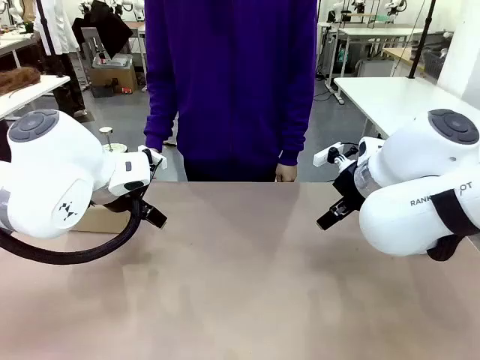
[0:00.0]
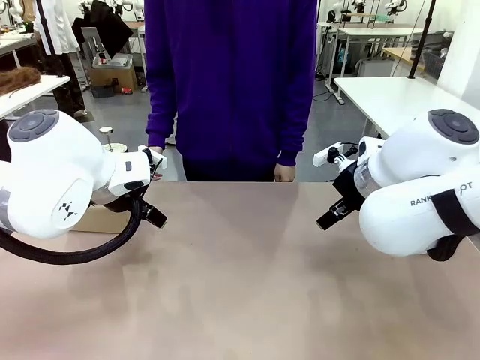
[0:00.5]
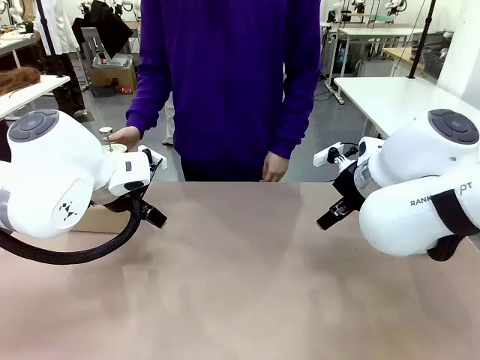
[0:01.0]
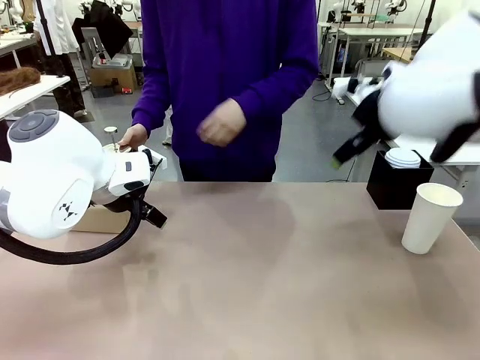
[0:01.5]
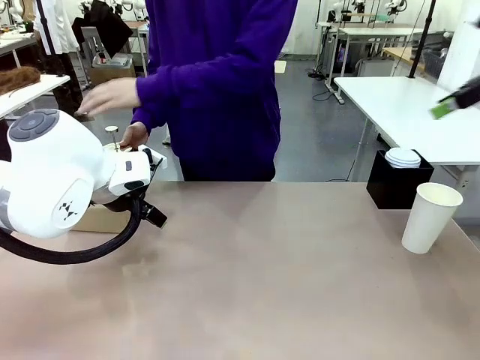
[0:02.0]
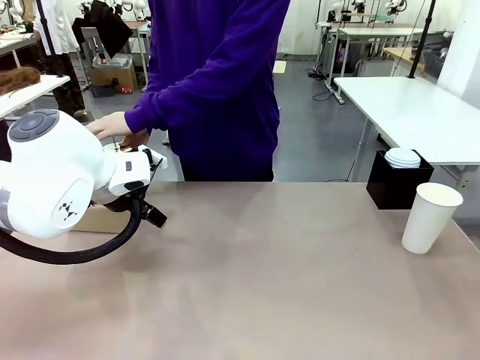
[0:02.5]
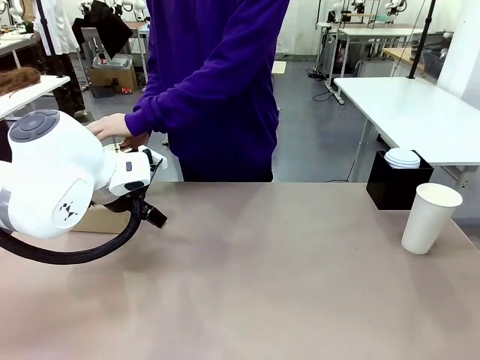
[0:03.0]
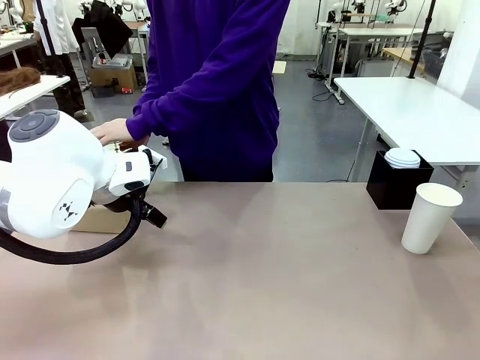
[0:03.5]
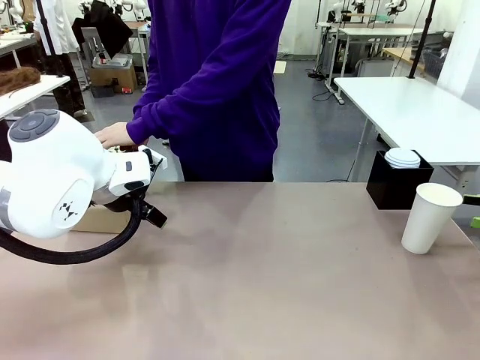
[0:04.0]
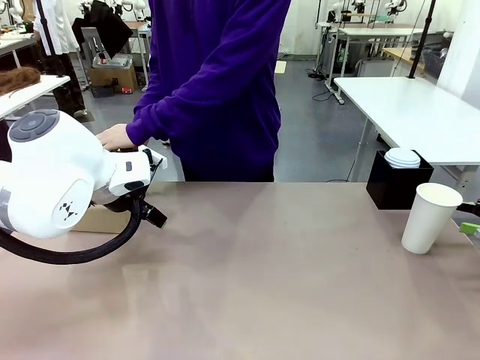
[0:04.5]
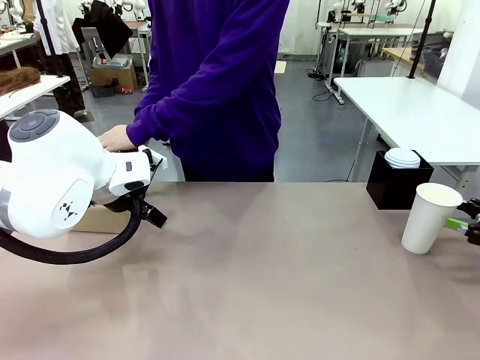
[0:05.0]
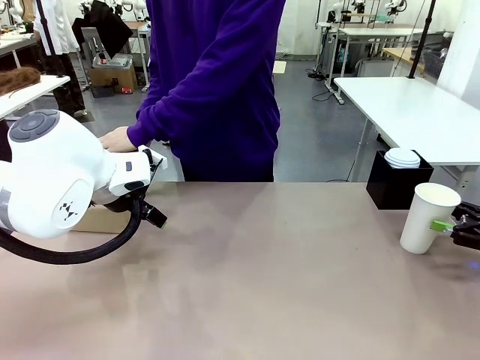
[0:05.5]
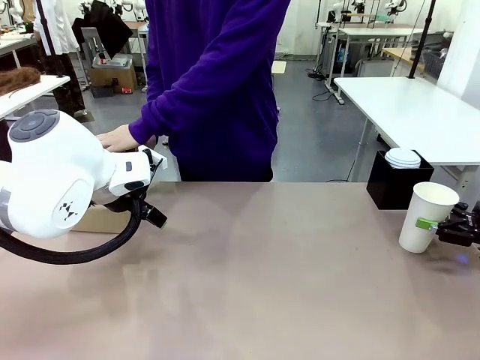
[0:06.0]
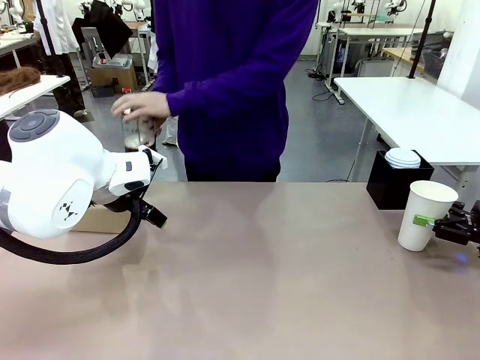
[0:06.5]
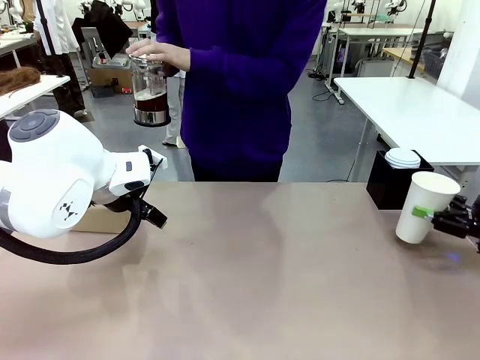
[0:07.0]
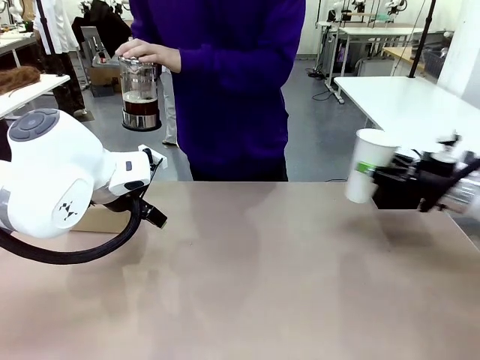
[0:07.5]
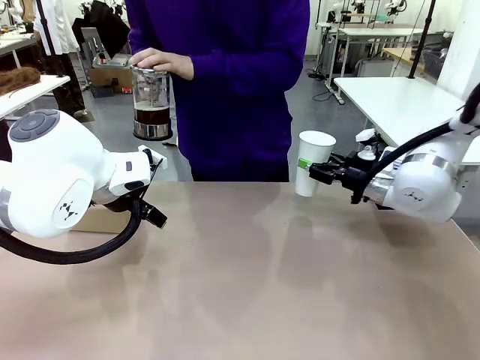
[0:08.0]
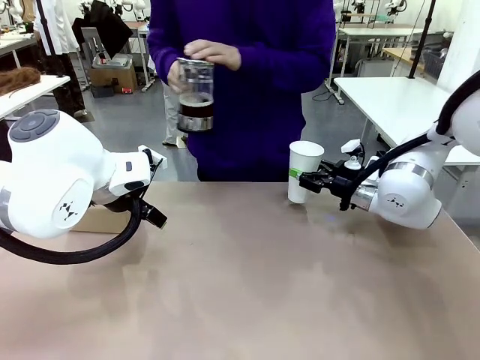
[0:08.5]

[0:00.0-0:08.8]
Task: Pour a drink into a cup and package it in a carrier.
Robot: Pick up the 600 ml Paper Cup and place it in the middle top area of the table.
Person: Press and pick up the Filter Brewing.

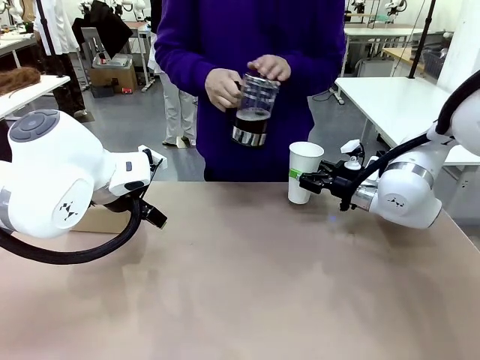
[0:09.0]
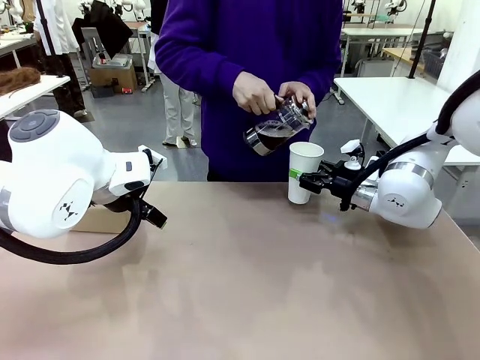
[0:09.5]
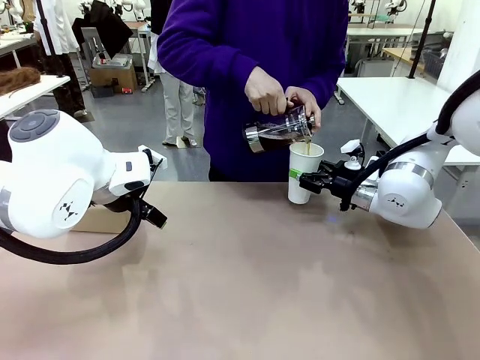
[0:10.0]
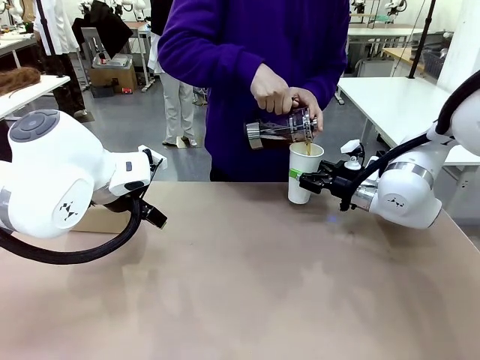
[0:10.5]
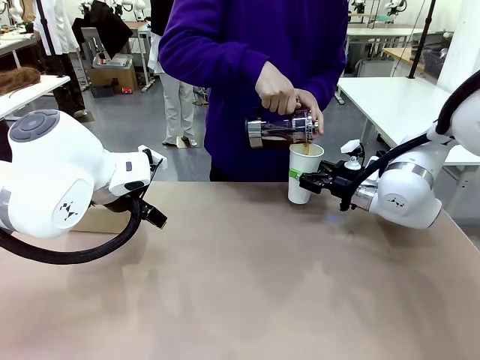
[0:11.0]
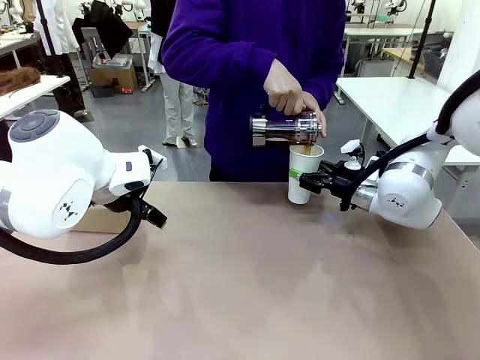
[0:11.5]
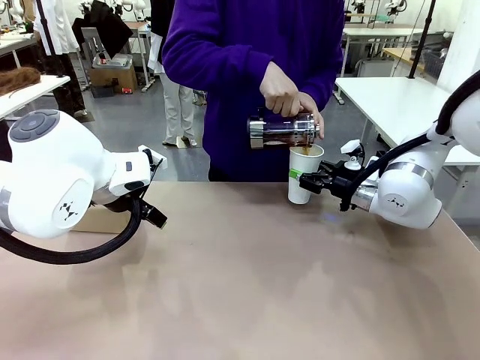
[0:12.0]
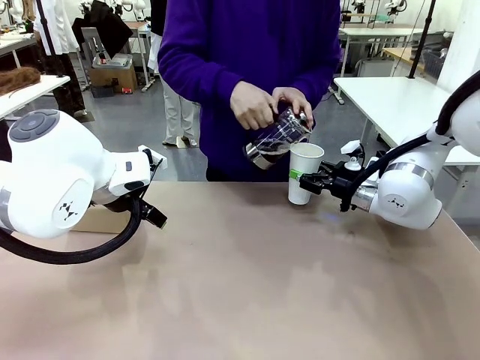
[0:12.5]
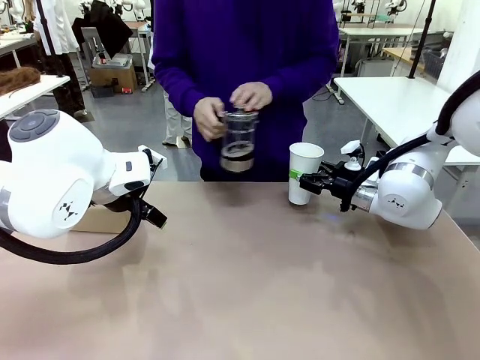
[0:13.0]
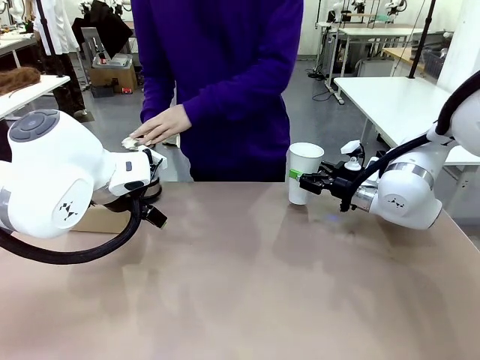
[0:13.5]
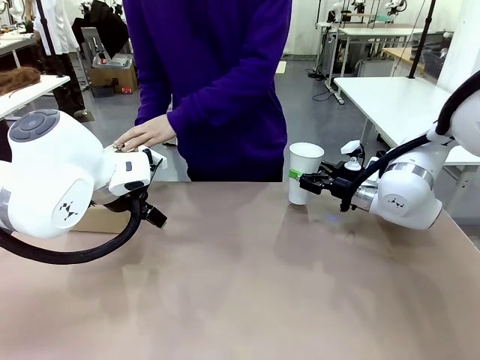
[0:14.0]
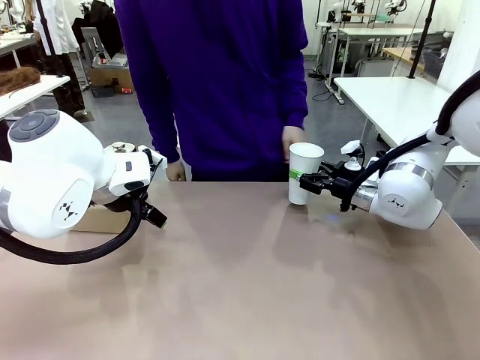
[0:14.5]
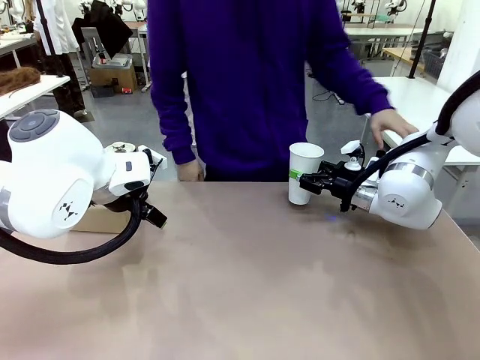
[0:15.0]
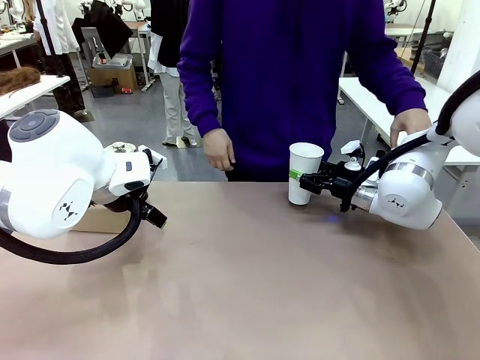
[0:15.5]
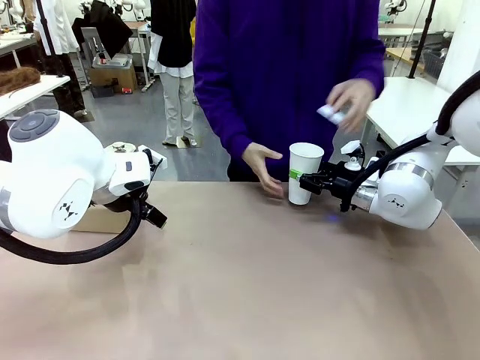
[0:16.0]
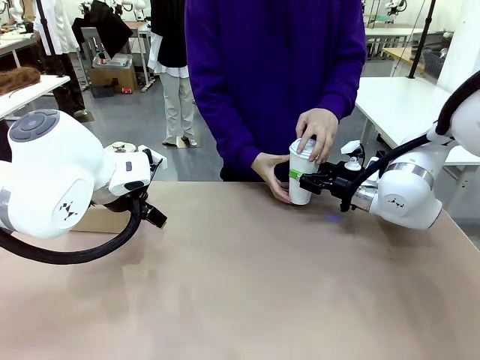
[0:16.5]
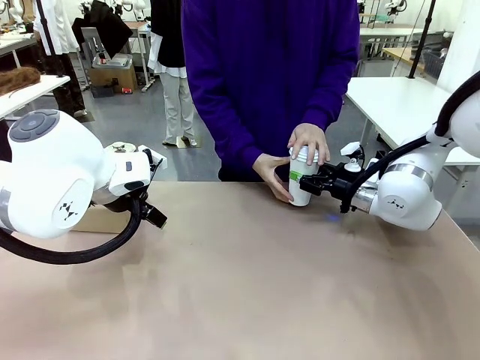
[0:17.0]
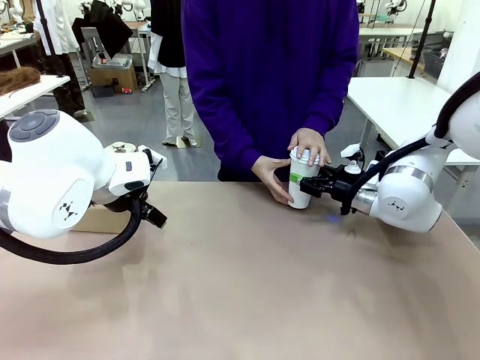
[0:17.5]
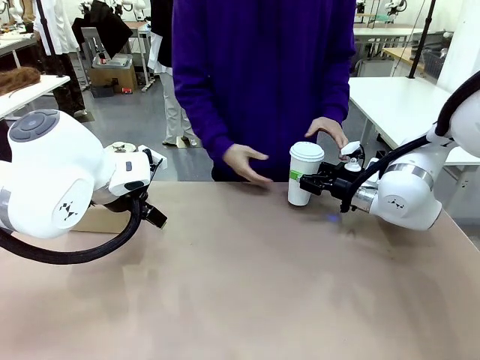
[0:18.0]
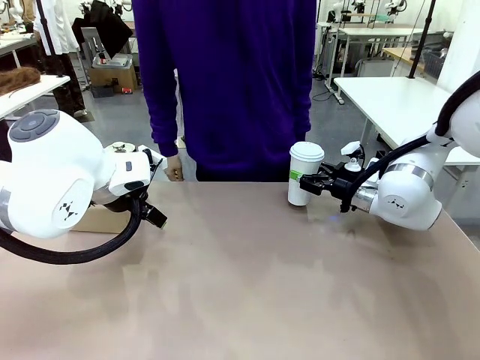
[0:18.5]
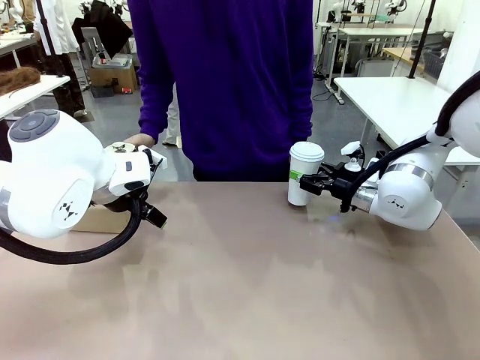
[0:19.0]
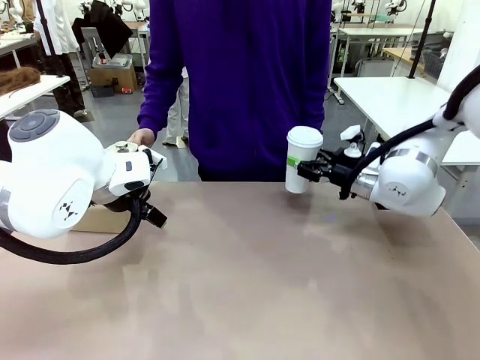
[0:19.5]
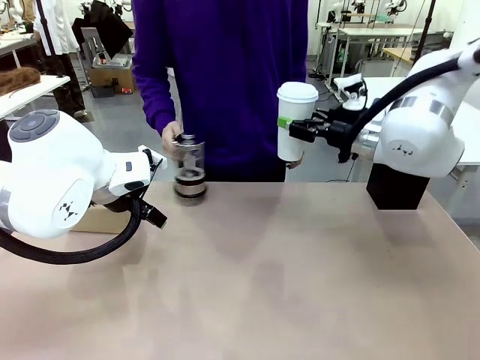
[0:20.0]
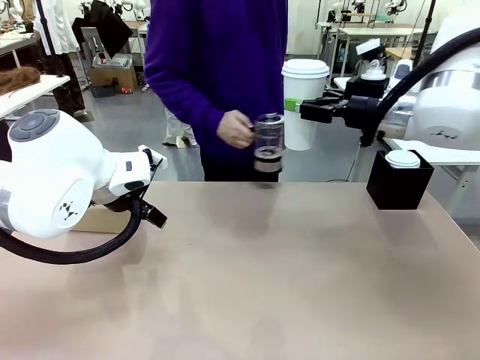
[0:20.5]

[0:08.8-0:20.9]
Robot: When a person places the Paper Cup Lid on the 600 ml Paper Cup , lift the 600 ml Paper Cup.
Person: Pour the drink from the Filter Brewing into the 600 ml Paper Cup. Place a Paper Cup Lid on the 600 ml Paper Cup.

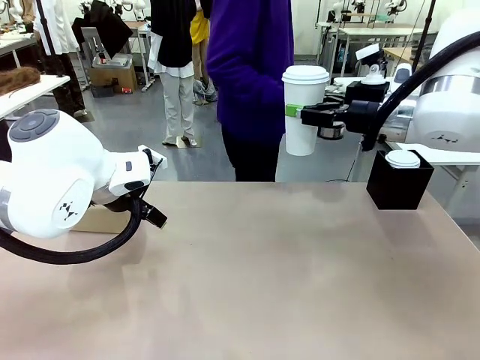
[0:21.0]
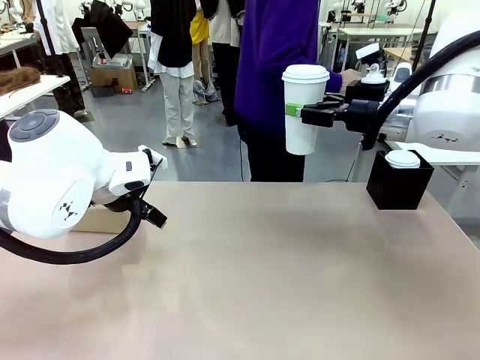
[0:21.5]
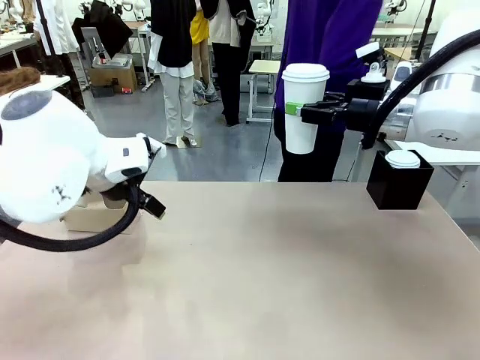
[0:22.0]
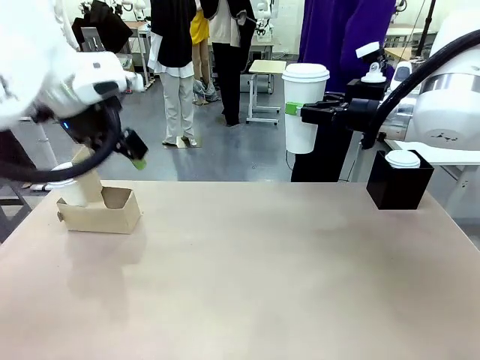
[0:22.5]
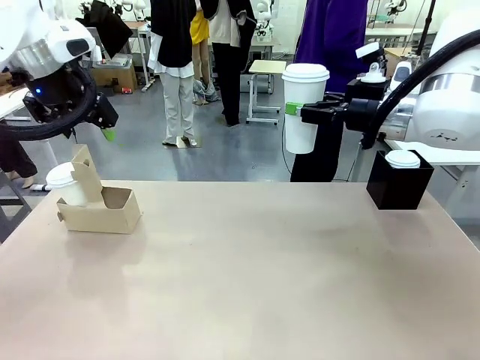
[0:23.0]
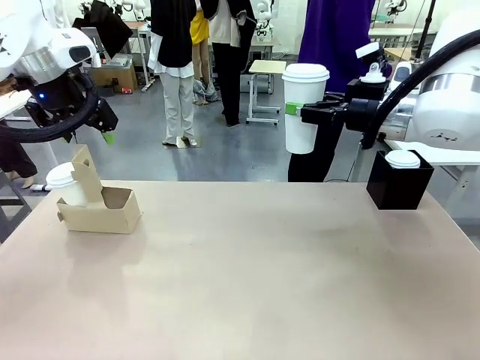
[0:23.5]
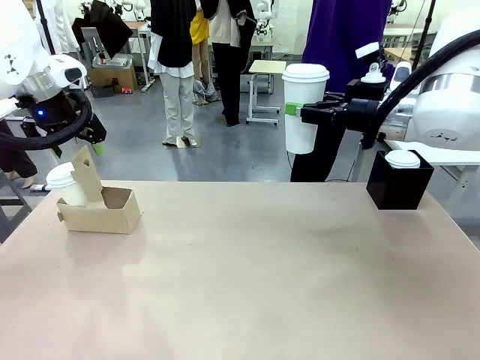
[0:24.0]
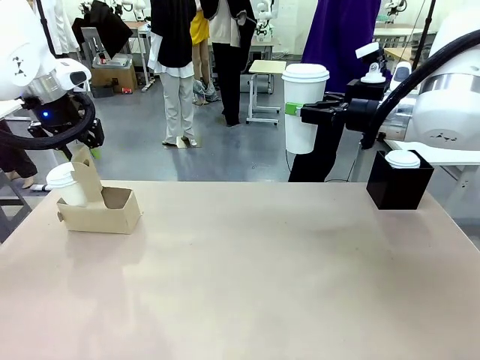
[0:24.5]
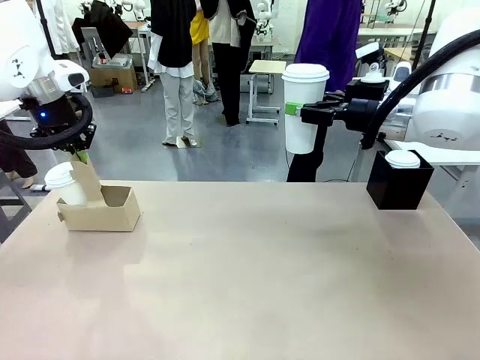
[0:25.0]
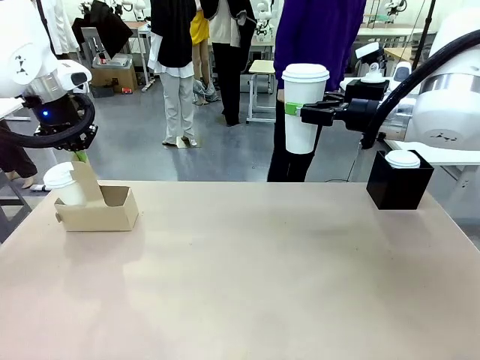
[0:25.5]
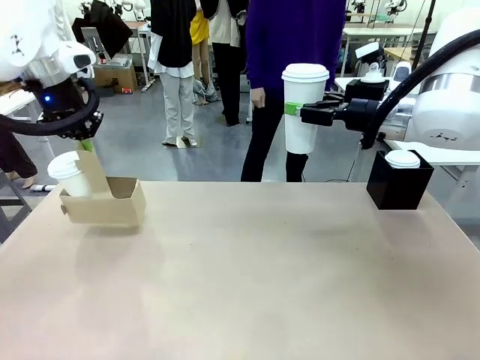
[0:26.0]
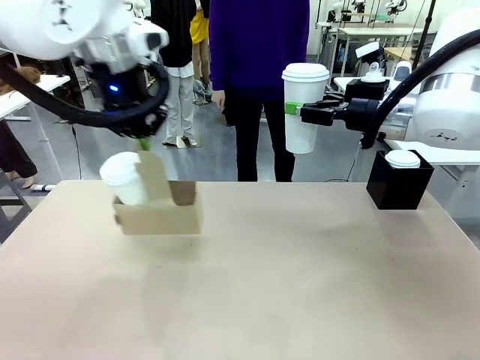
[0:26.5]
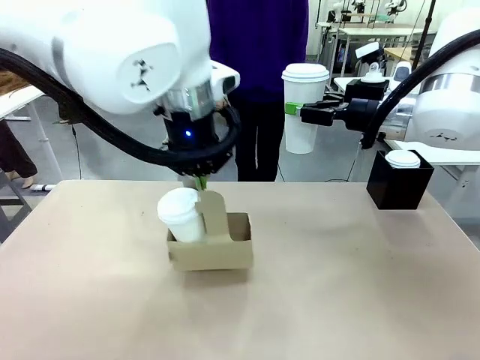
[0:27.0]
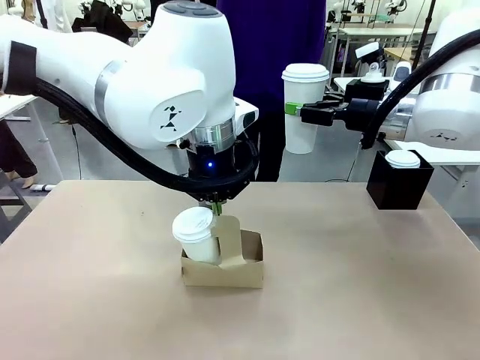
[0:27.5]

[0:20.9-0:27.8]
Robot: Position the Cup Carrier in the center of the table.
Person: Pick up the Filter Brewing and place on the middle of Human table, and return to the Robot table.
